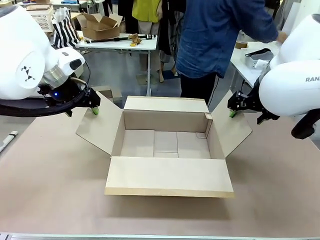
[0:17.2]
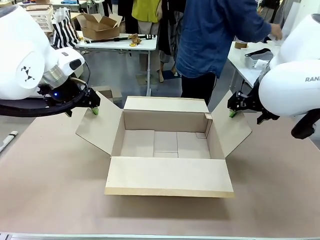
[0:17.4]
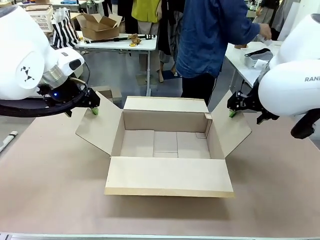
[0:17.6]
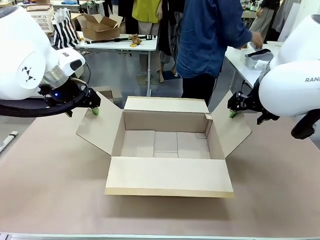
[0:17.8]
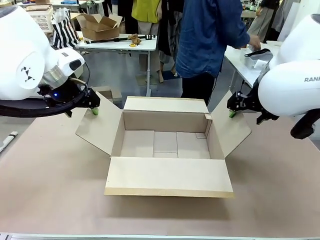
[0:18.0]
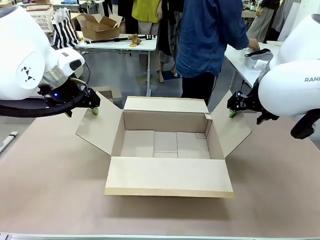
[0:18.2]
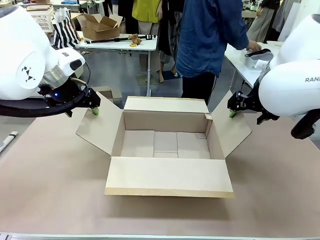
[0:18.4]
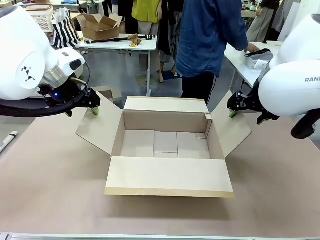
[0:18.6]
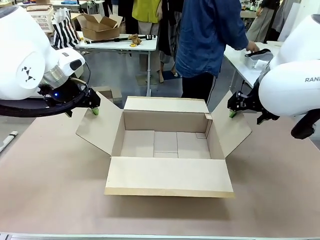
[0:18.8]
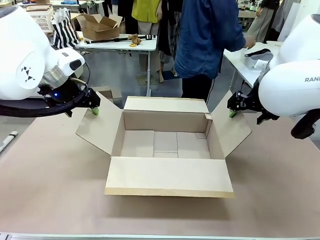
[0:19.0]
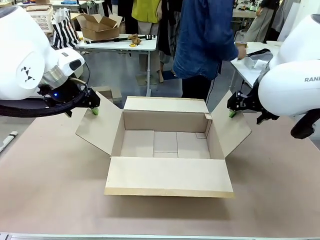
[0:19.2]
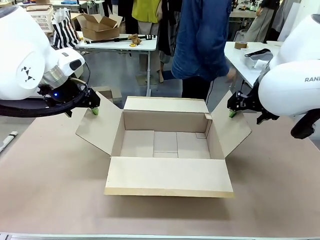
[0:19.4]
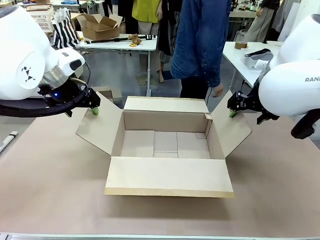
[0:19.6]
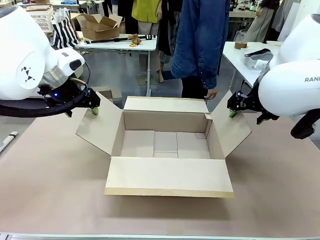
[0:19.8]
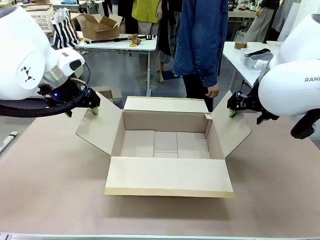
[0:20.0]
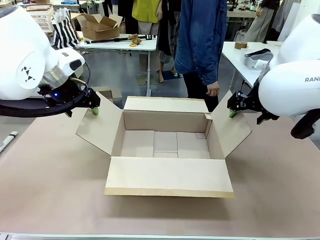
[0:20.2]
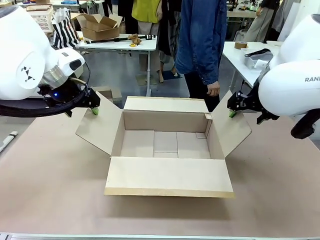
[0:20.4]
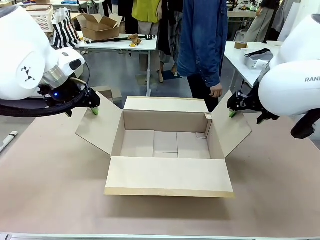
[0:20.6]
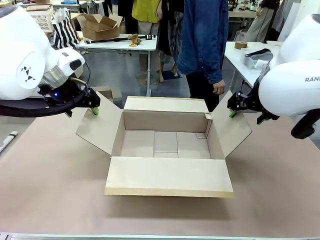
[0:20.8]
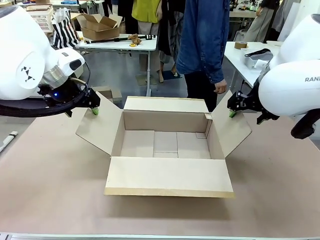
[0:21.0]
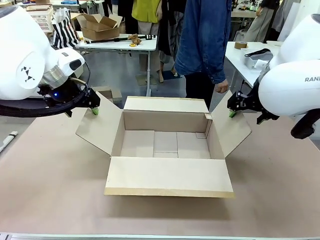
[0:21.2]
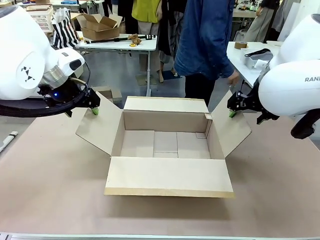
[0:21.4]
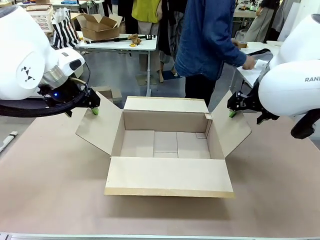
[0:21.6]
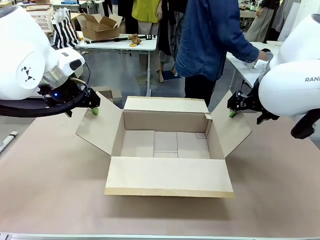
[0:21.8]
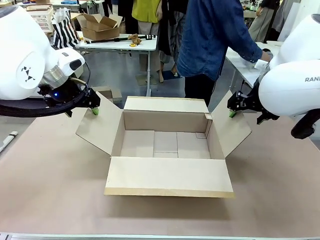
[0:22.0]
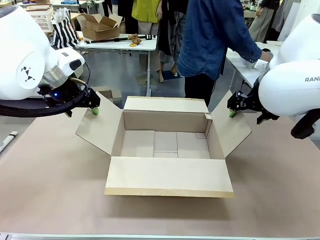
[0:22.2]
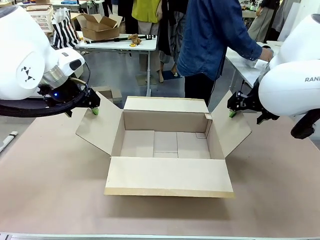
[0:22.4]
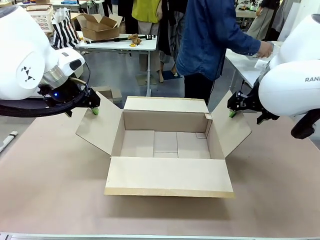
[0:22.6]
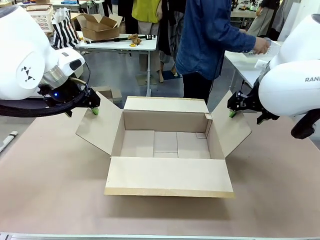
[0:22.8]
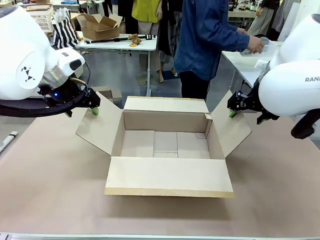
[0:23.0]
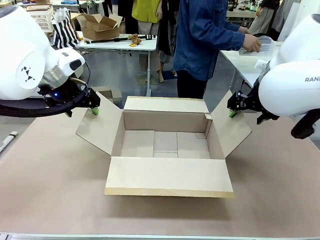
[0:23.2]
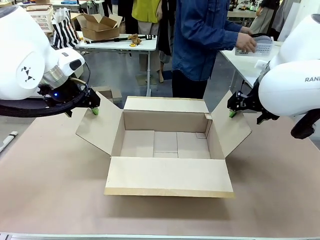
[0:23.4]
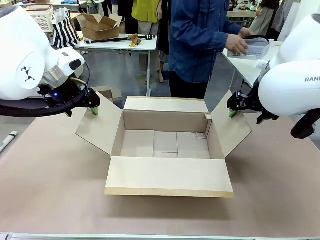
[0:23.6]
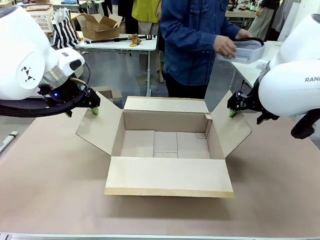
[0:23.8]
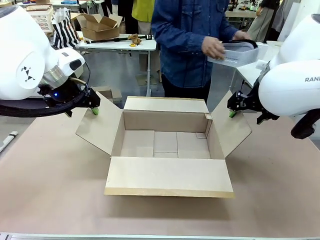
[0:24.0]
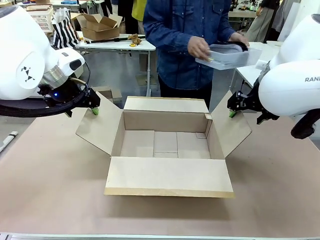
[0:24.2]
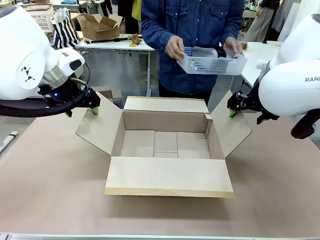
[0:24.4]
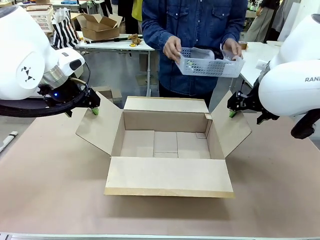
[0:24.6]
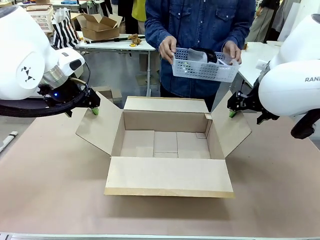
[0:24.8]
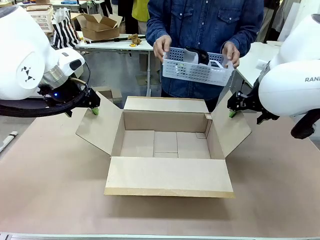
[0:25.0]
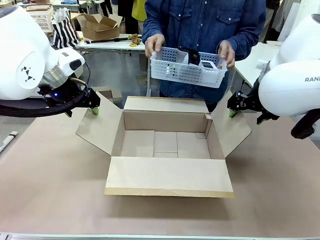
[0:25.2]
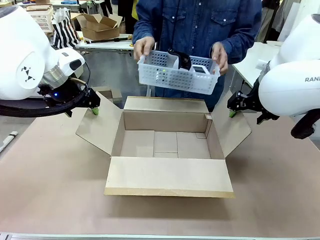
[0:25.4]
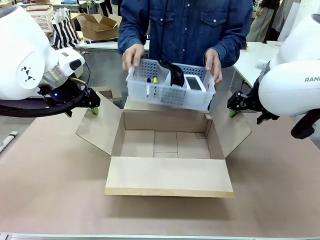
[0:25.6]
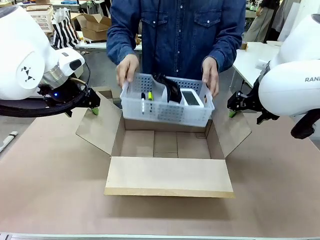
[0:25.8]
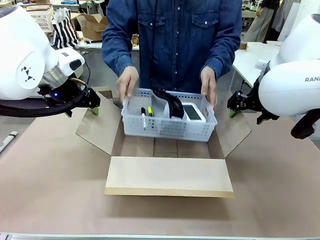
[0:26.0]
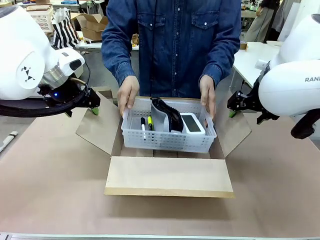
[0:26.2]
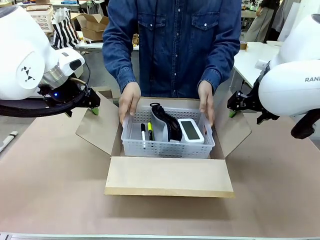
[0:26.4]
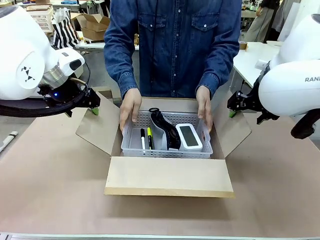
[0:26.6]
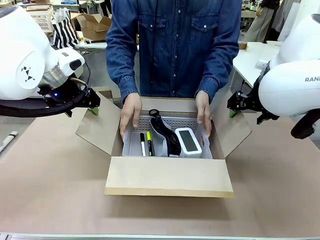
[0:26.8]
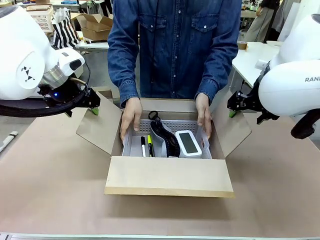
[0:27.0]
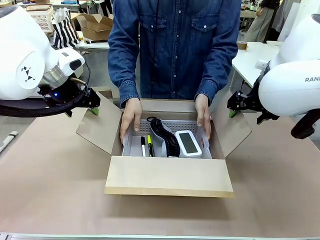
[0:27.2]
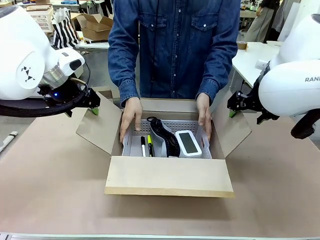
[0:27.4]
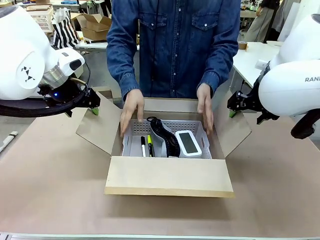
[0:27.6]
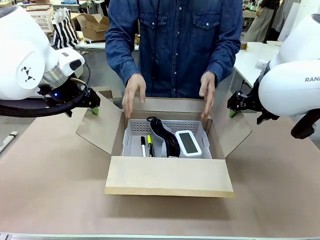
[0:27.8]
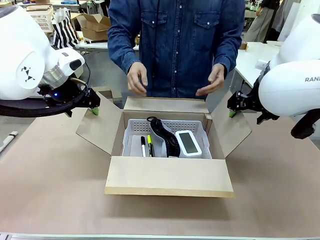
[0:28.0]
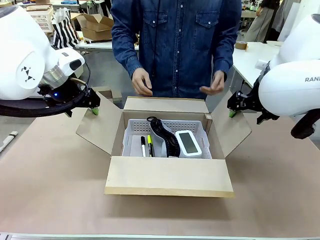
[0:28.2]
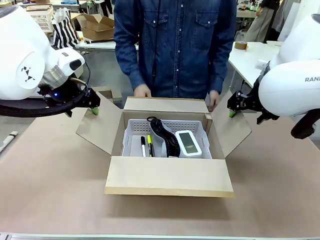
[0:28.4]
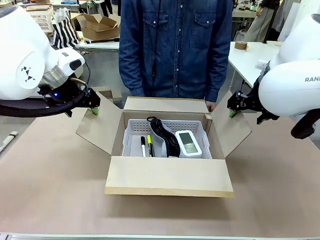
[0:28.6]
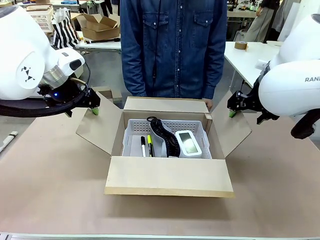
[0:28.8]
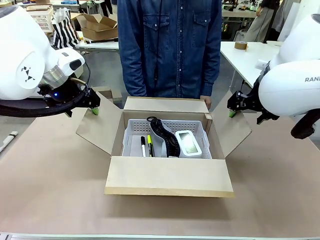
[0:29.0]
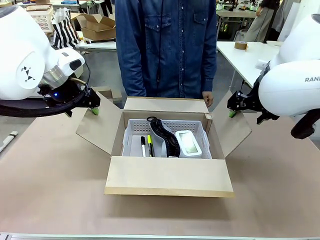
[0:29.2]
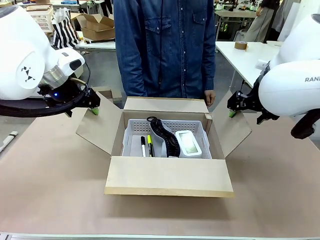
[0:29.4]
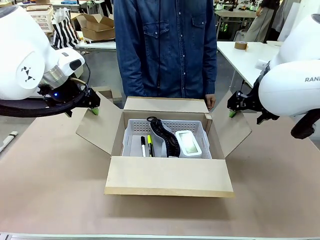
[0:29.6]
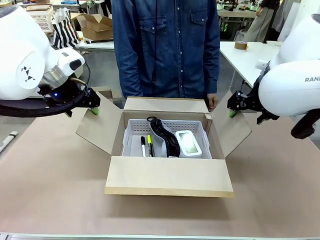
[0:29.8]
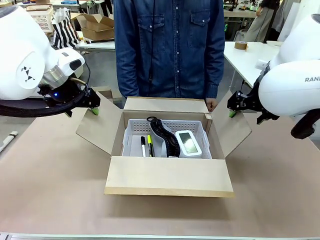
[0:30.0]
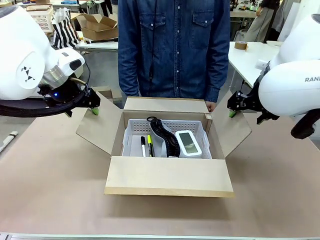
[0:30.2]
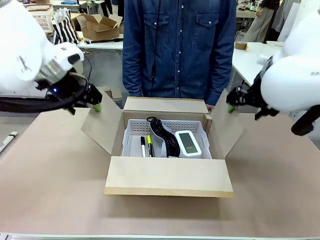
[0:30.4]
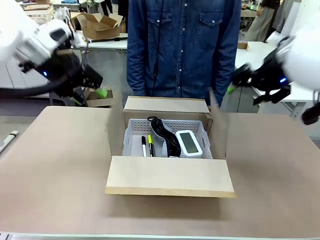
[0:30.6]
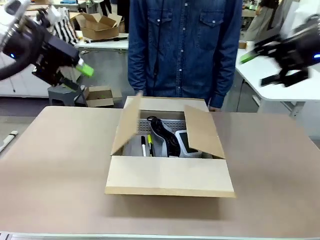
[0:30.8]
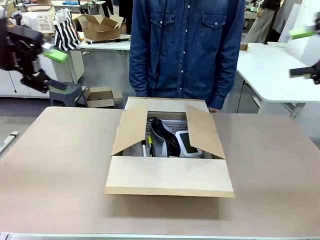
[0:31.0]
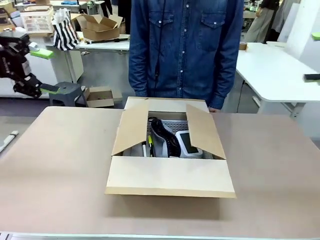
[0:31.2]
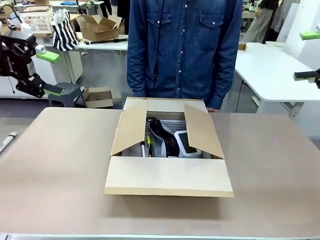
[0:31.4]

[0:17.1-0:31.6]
Task: Pack the gift set into the box.
Robot: Lift both hands away from the flaps of the Package Box.
Person: The human picks up the organizing basket and places the organizing basket into the package box on the robot table.

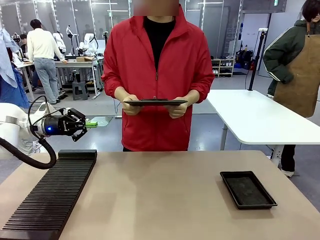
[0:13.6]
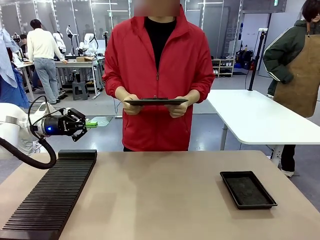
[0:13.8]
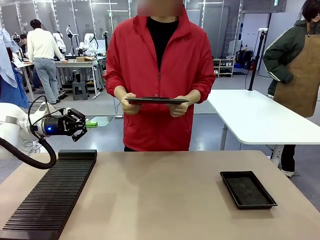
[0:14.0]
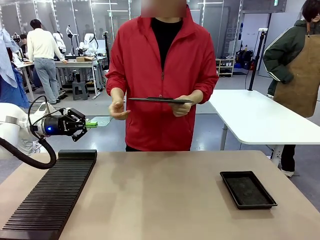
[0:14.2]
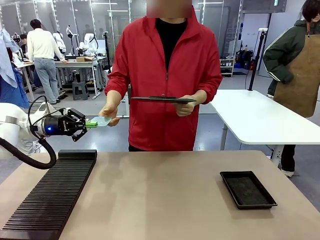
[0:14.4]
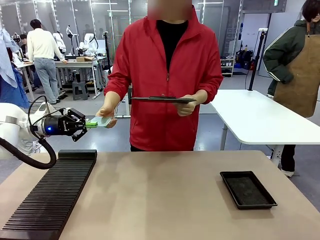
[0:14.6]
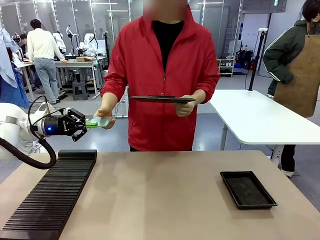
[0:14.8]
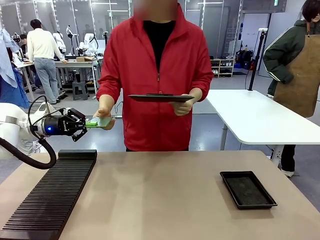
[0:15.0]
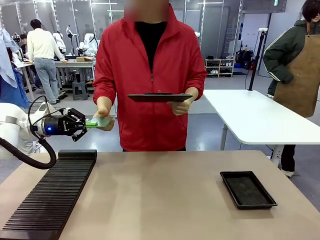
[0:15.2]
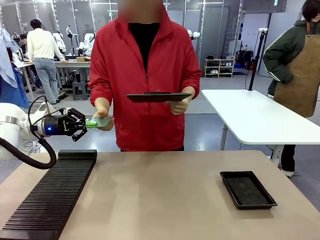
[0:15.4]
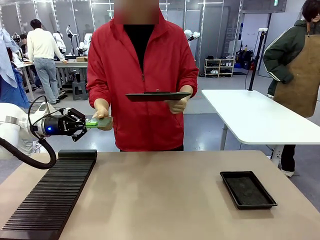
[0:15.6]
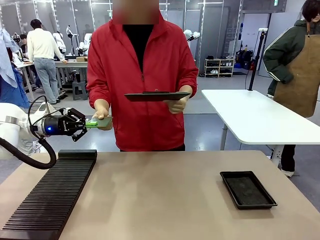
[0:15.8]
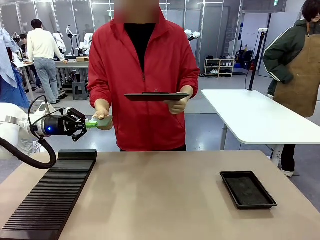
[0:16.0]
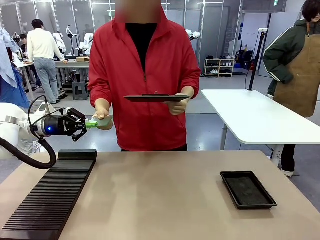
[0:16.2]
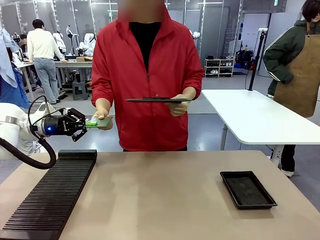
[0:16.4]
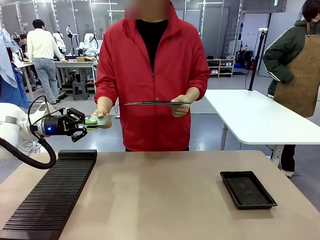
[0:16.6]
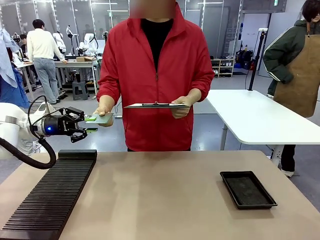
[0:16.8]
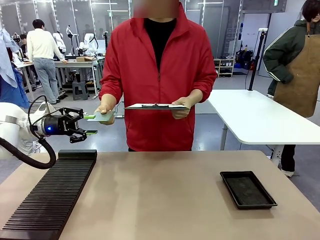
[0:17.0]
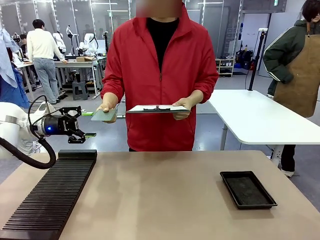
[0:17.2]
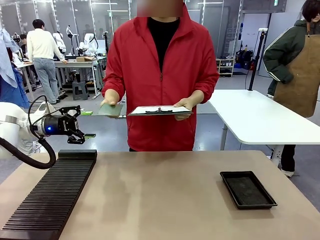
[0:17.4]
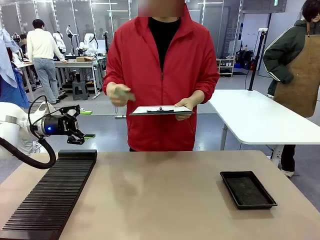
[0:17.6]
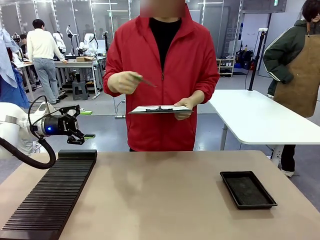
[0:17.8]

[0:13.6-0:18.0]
Task: Inspect the PCB.
Robot: Release the Blank PCB you were holding.
